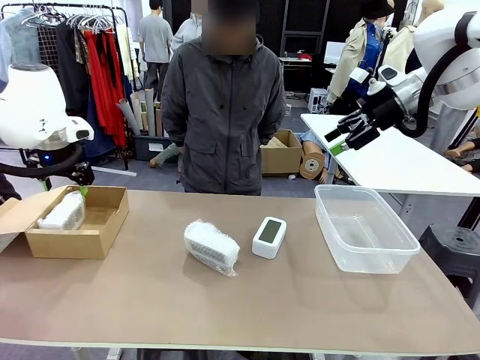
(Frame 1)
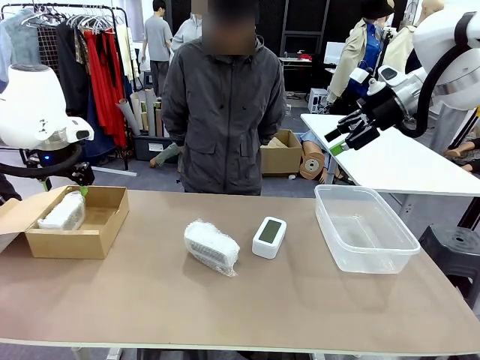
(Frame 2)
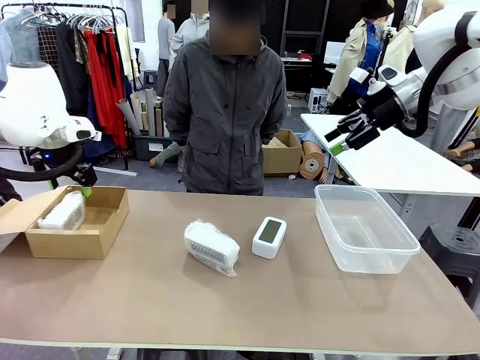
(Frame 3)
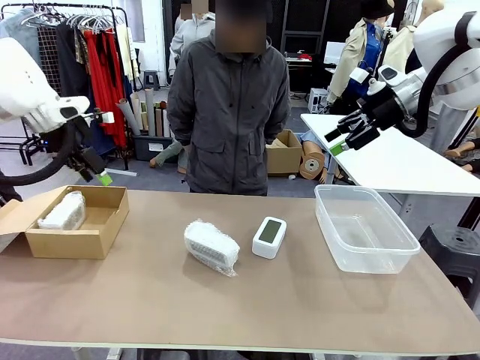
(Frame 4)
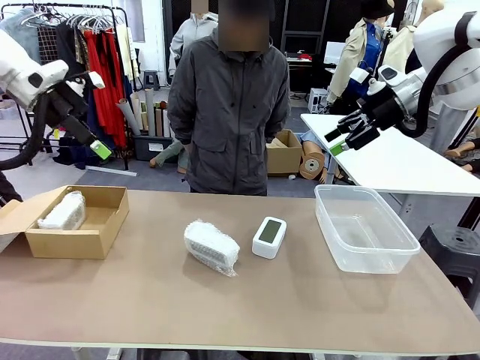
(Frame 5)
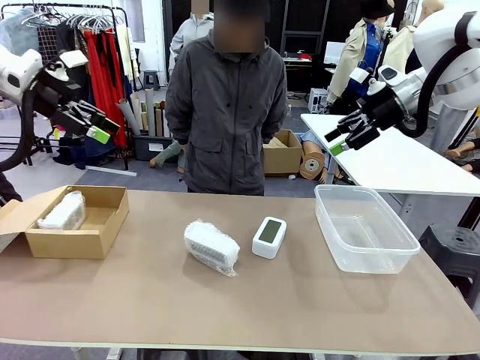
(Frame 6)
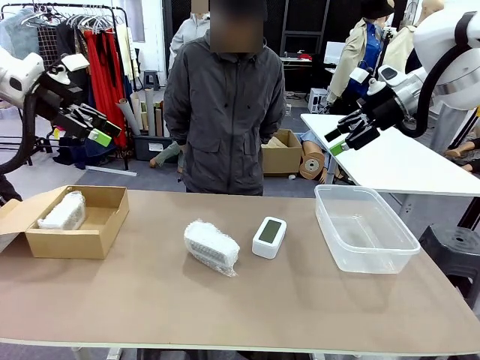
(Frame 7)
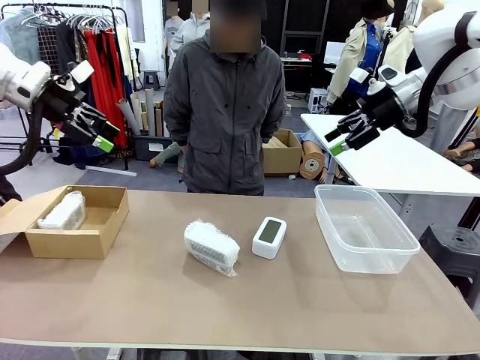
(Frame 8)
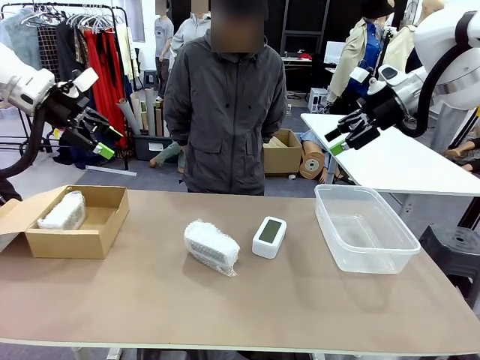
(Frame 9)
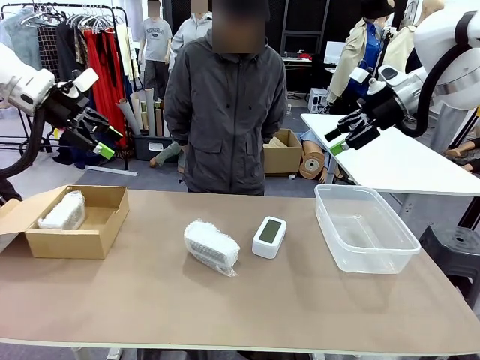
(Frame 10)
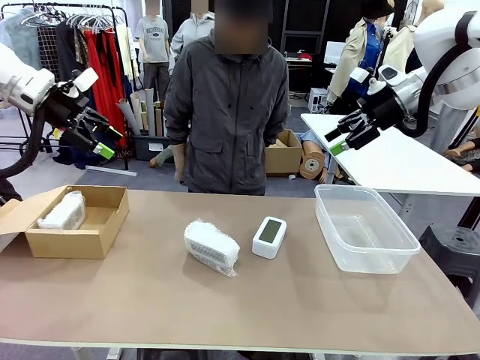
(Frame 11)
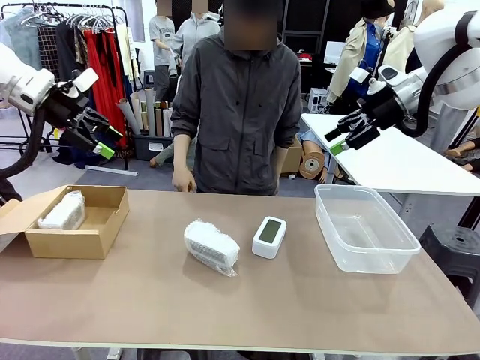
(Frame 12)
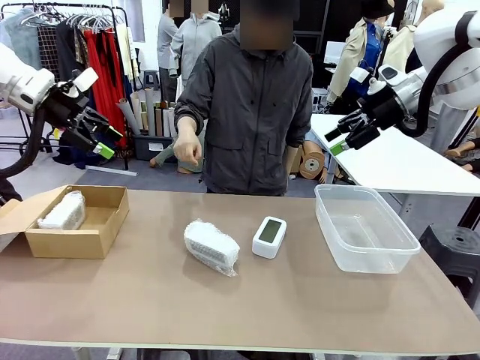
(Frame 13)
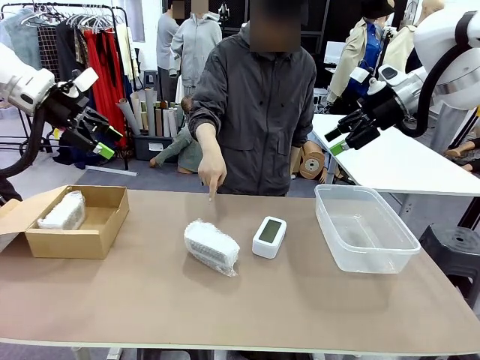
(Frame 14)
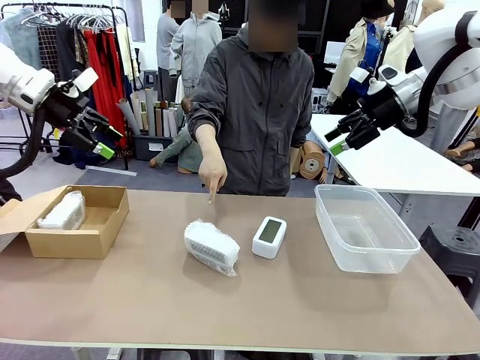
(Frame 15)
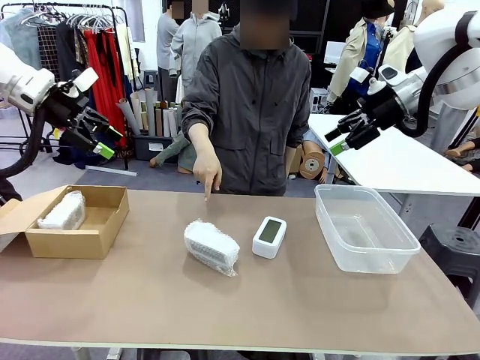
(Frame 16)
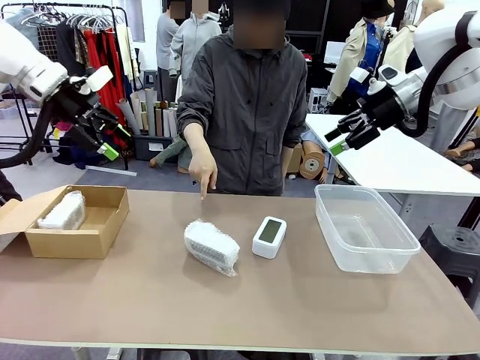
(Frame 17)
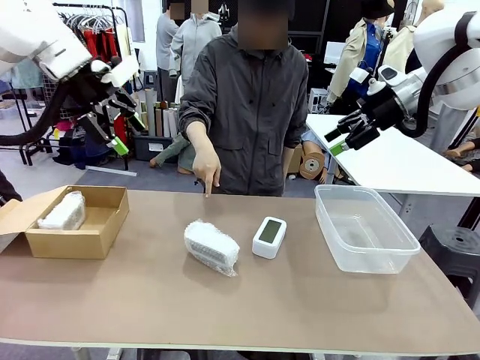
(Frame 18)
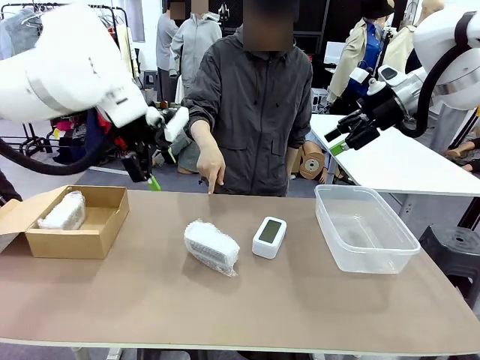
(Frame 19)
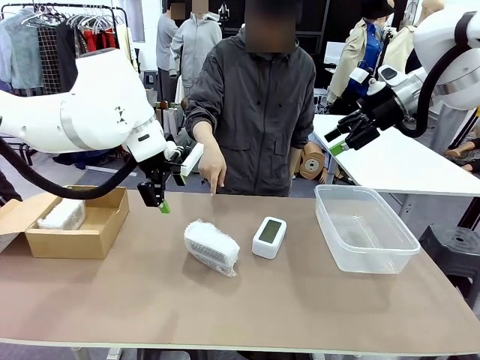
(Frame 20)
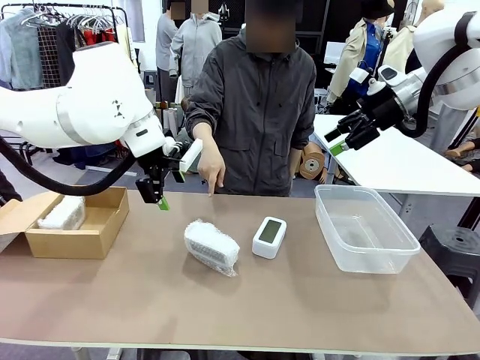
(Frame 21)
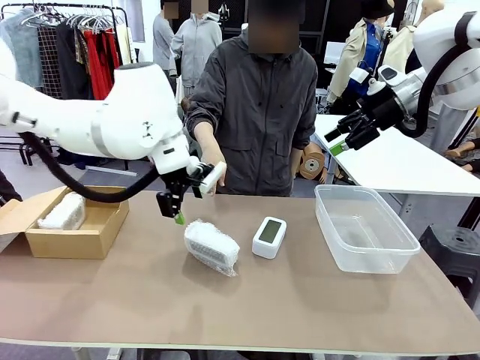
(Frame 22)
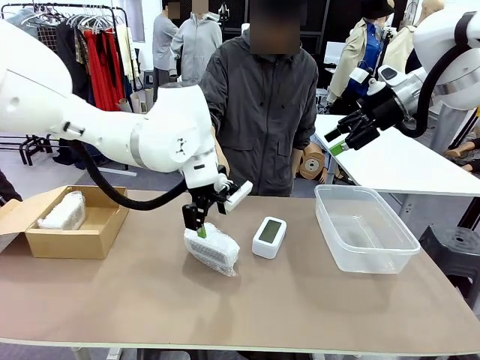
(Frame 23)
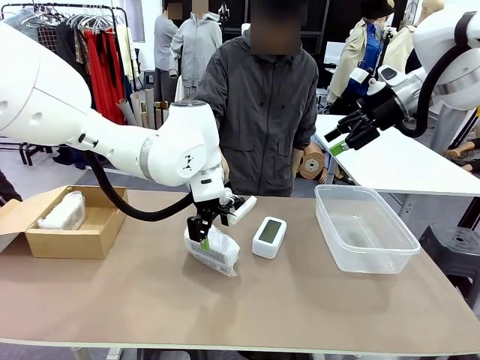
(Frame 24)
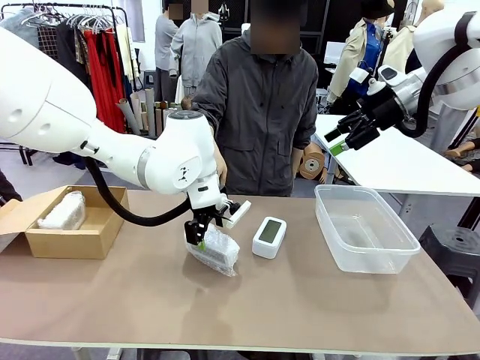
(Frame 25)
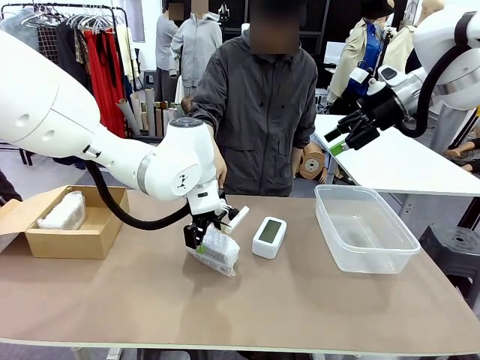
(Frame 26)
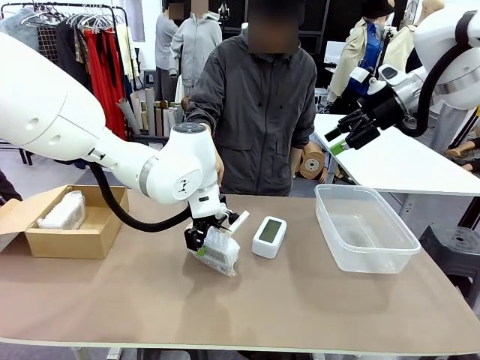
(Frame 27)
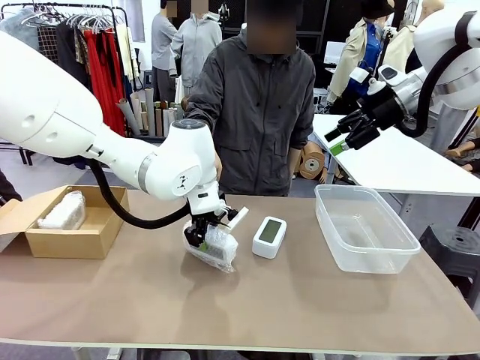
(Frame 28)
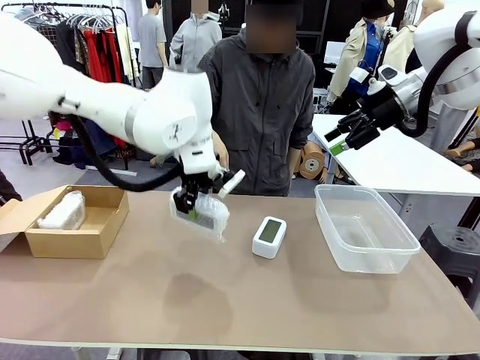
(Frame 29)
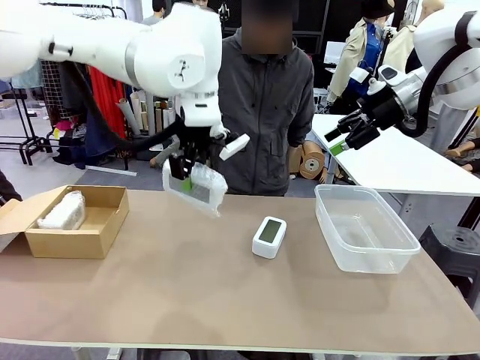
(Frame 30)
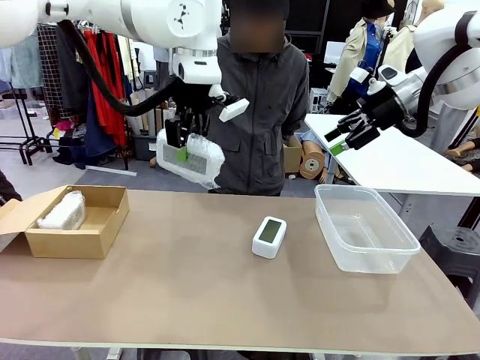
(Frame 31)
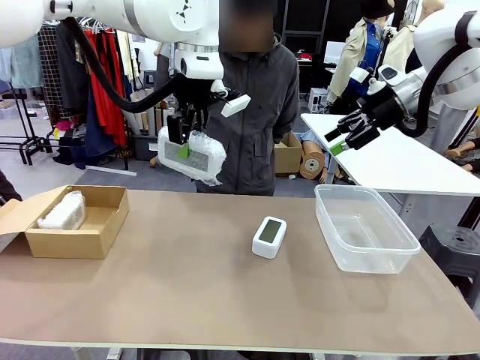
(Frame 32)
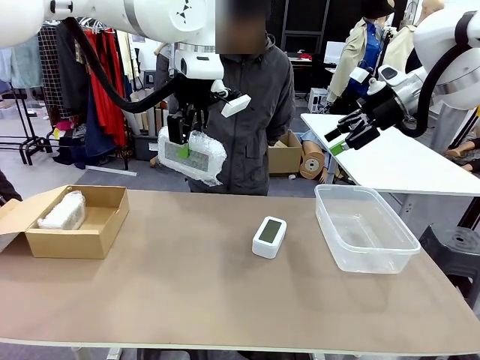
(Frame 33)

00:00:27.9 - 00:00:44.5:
Task: Separate and place wrapped and unwrapped clocks.
Robot: Pick up the Digital clock indicated by the person.

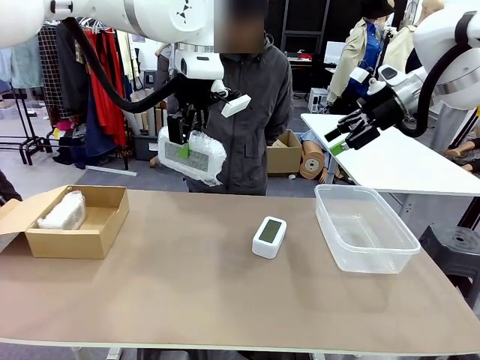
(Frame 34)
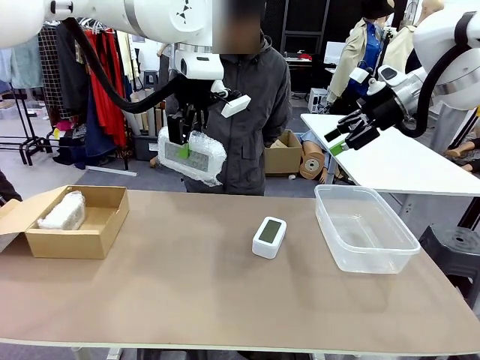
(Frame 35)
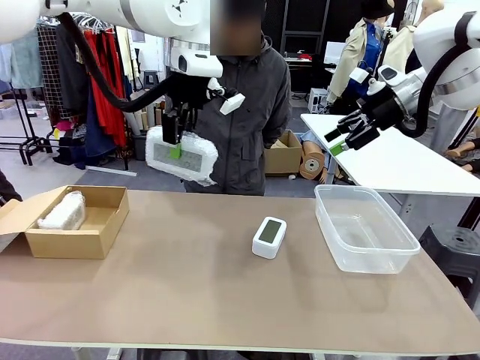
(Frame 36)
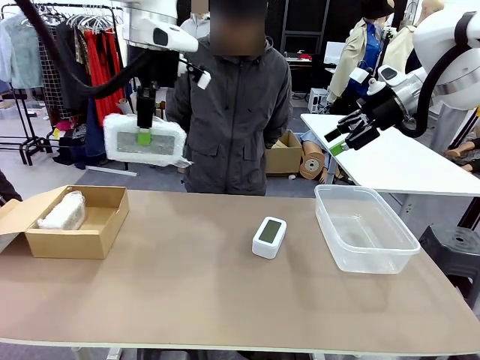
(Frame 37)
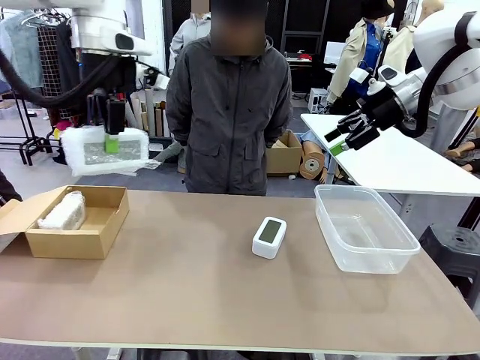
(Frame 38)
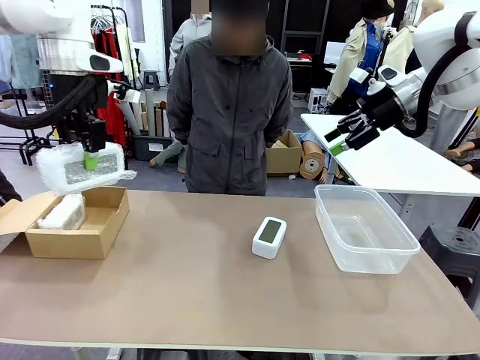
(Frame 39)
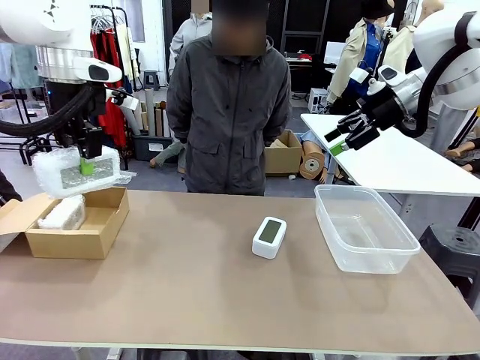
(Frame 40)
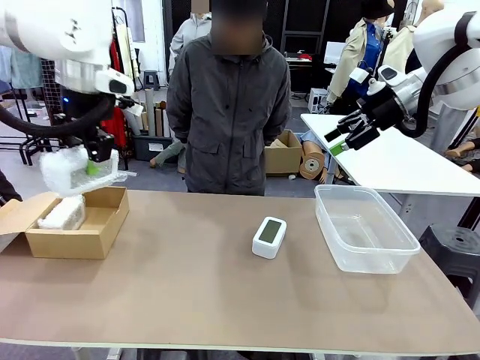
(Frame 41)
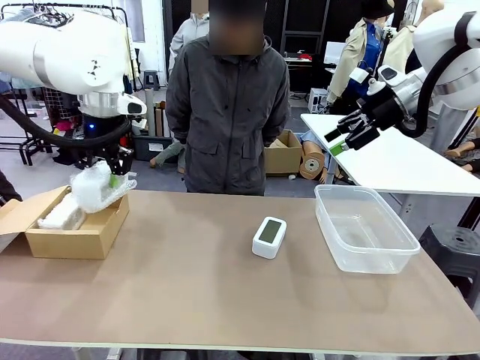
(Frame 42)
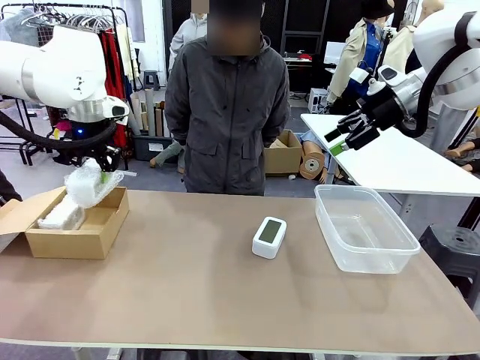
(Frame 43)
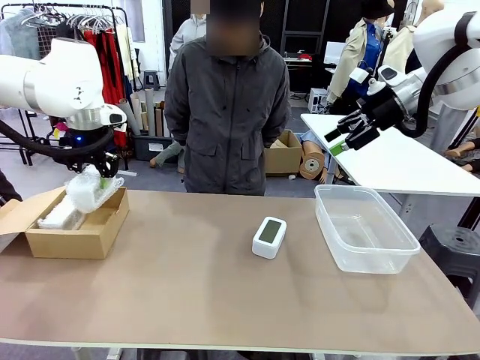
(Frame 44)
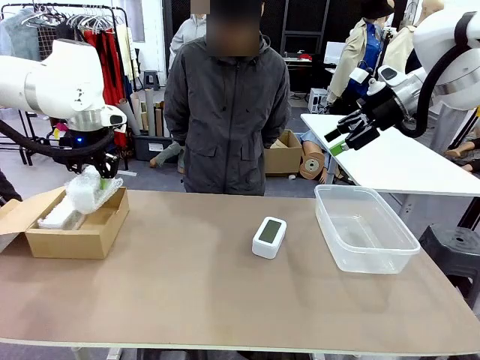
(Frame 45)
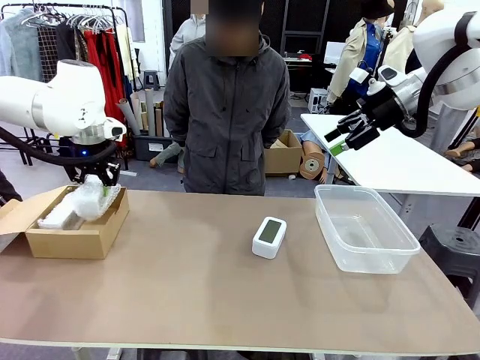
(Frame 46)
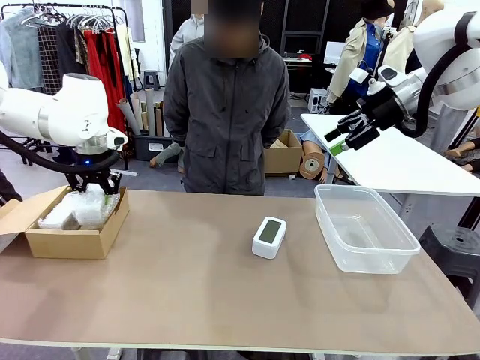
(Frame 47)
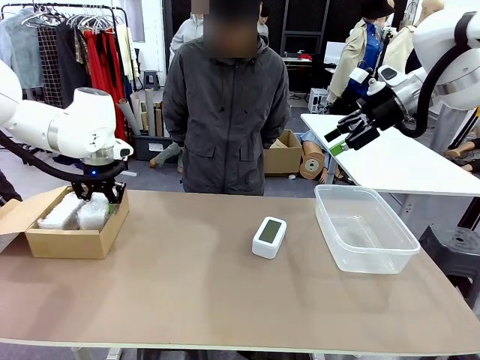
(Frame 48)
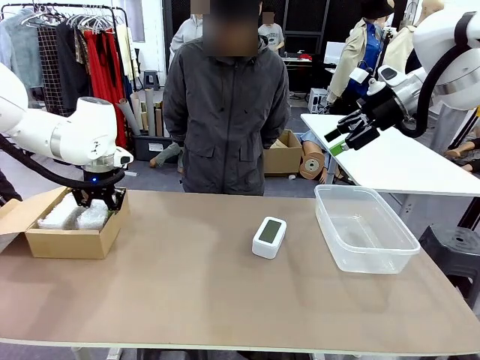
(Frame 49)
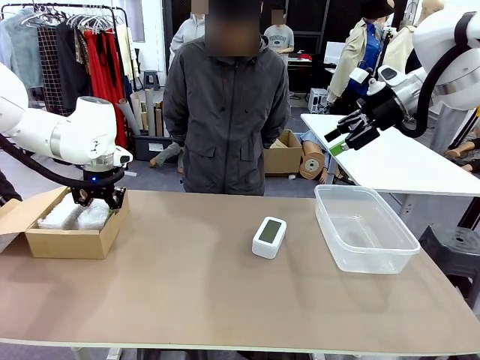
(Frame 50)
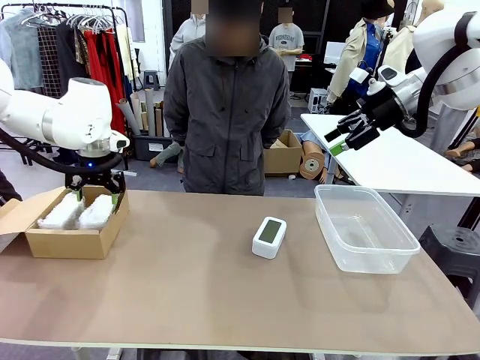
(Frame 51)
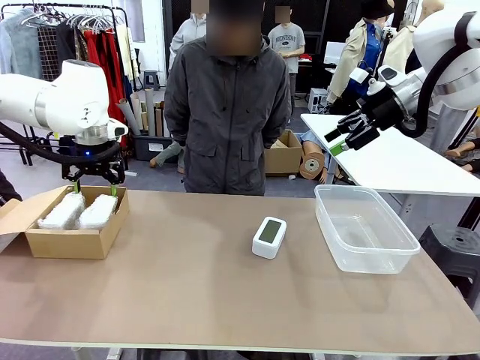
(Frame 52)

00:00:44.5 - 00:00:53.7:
Robot: If the picked Digital clock is wrapped, place it in the Package Box ; if not, place it in the Organizing box.
